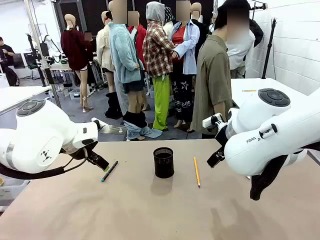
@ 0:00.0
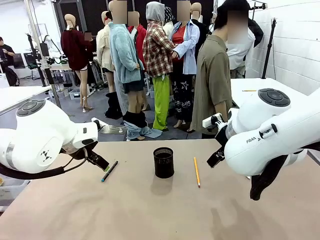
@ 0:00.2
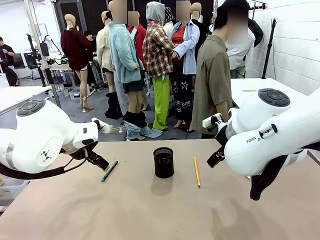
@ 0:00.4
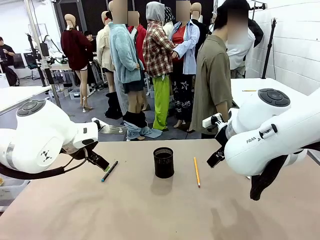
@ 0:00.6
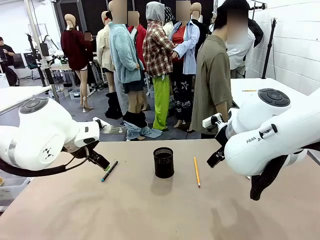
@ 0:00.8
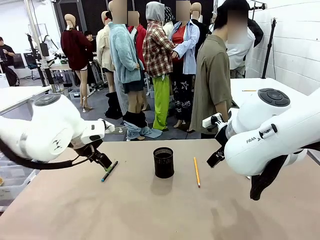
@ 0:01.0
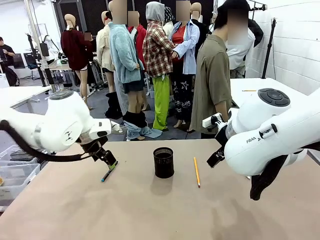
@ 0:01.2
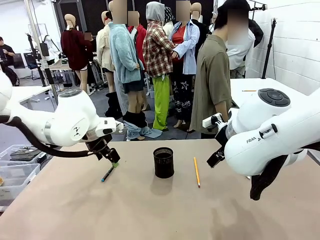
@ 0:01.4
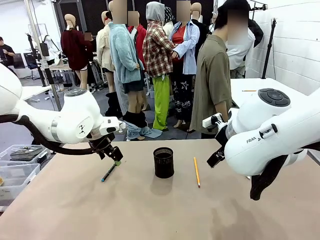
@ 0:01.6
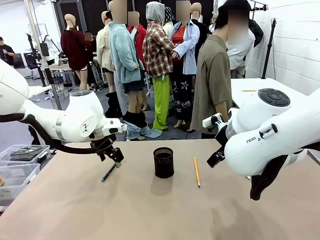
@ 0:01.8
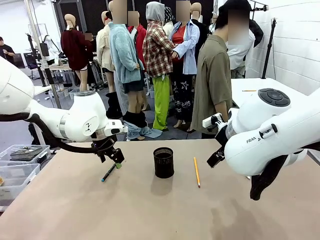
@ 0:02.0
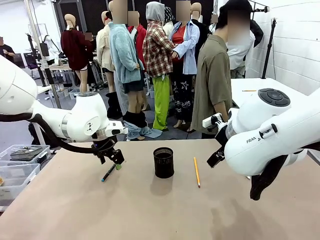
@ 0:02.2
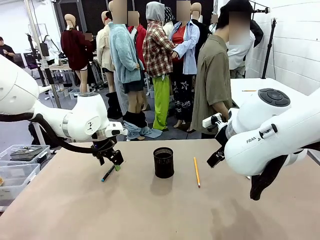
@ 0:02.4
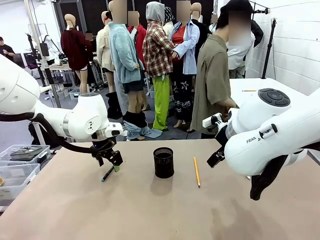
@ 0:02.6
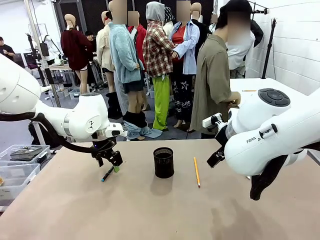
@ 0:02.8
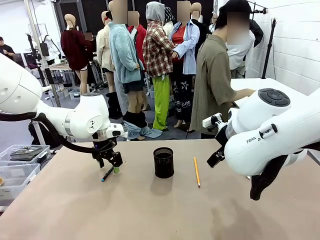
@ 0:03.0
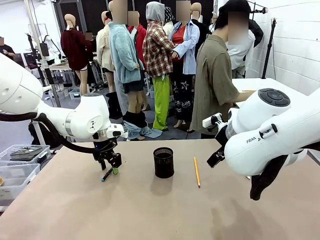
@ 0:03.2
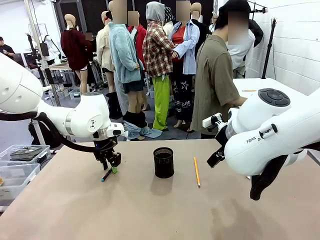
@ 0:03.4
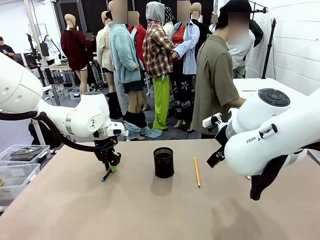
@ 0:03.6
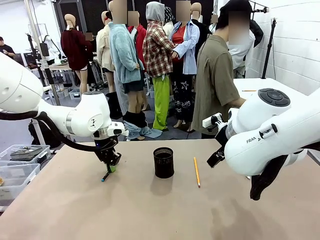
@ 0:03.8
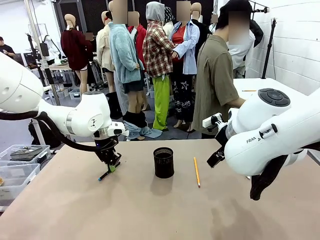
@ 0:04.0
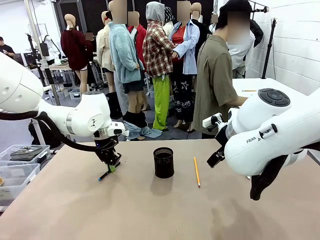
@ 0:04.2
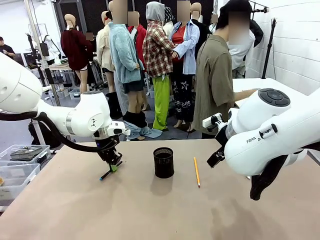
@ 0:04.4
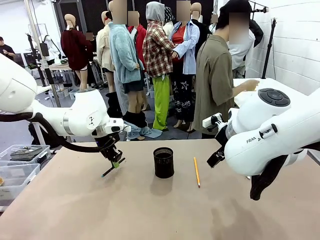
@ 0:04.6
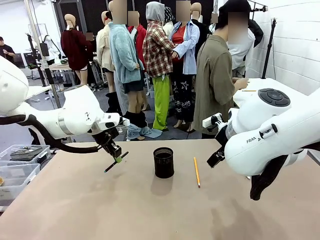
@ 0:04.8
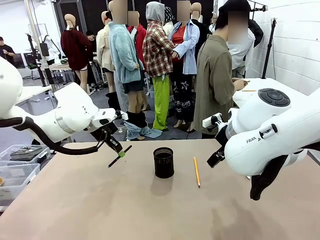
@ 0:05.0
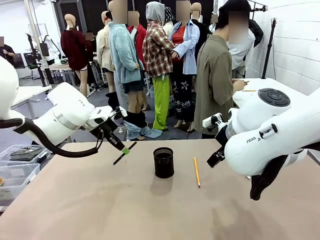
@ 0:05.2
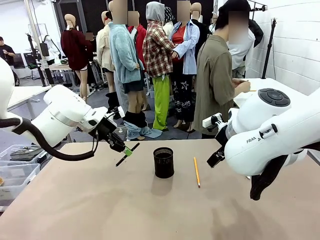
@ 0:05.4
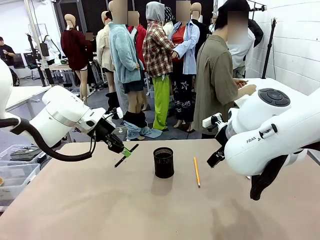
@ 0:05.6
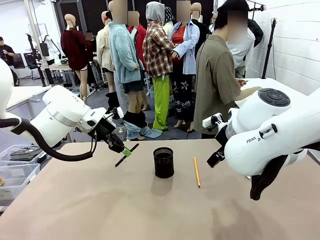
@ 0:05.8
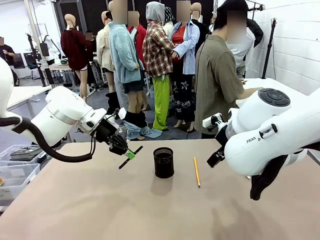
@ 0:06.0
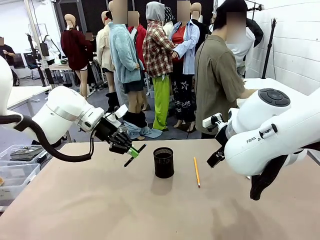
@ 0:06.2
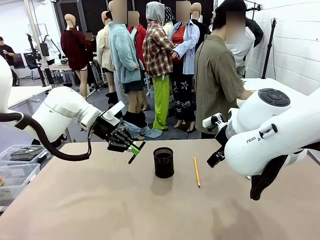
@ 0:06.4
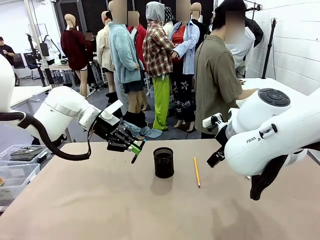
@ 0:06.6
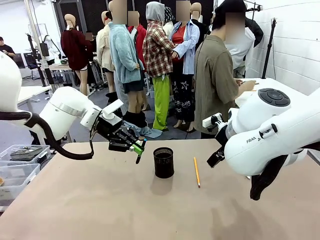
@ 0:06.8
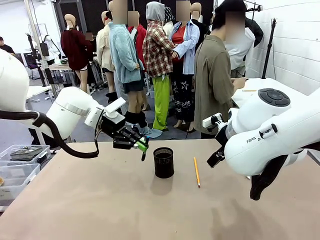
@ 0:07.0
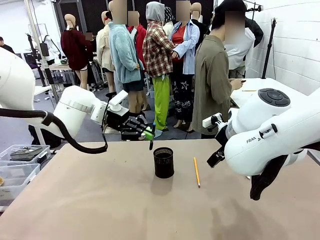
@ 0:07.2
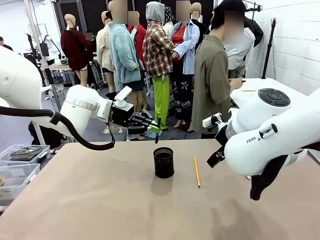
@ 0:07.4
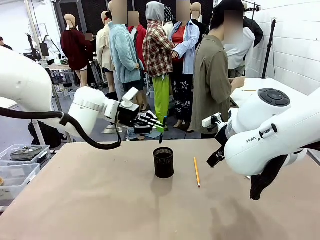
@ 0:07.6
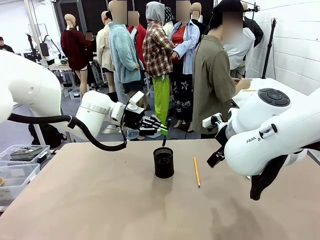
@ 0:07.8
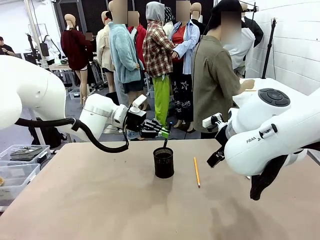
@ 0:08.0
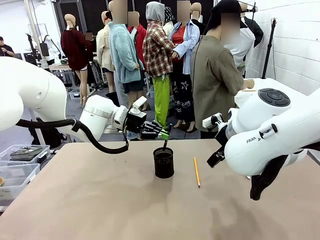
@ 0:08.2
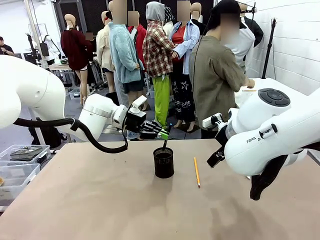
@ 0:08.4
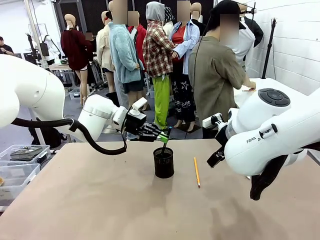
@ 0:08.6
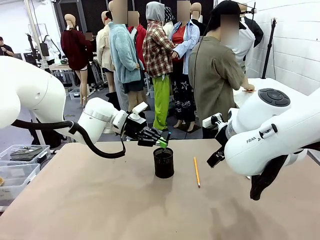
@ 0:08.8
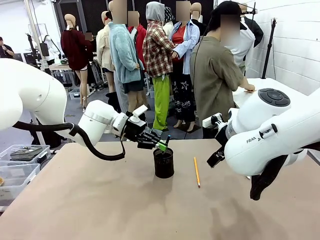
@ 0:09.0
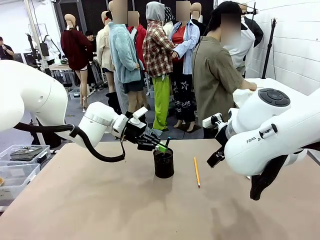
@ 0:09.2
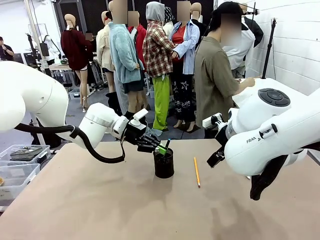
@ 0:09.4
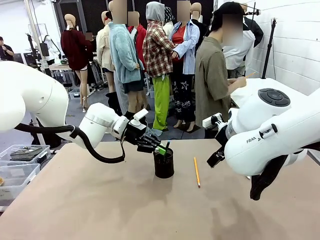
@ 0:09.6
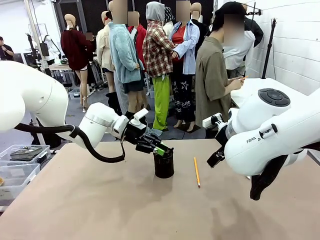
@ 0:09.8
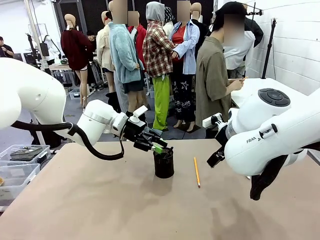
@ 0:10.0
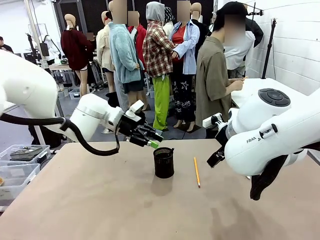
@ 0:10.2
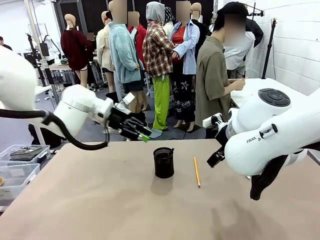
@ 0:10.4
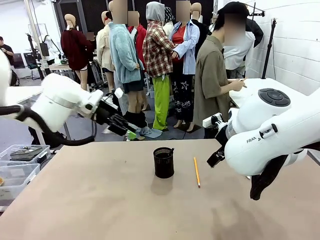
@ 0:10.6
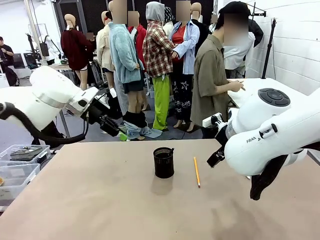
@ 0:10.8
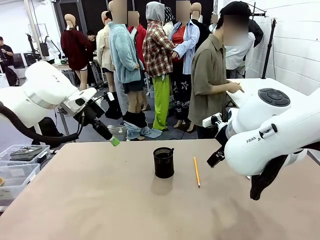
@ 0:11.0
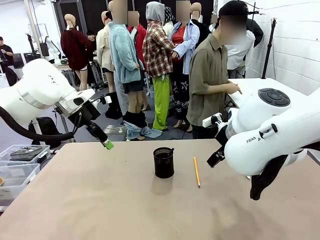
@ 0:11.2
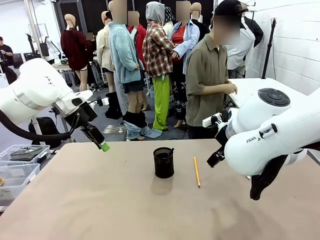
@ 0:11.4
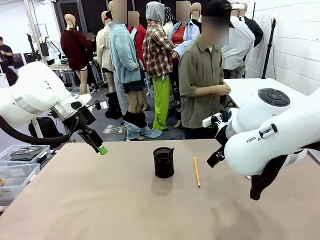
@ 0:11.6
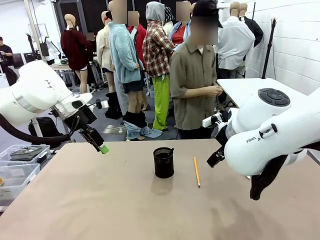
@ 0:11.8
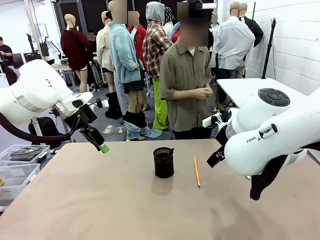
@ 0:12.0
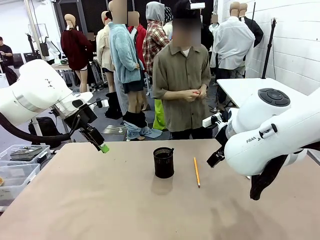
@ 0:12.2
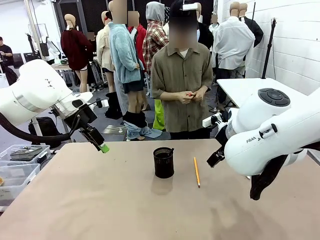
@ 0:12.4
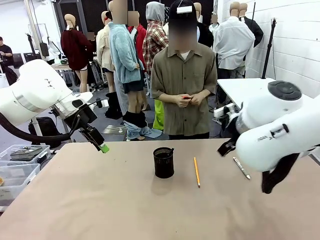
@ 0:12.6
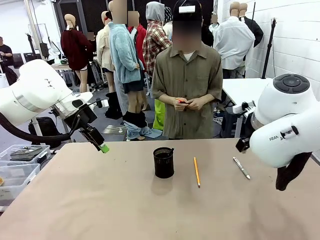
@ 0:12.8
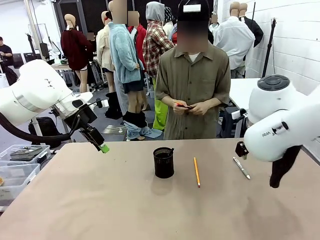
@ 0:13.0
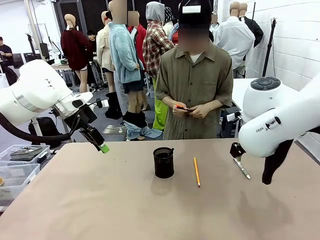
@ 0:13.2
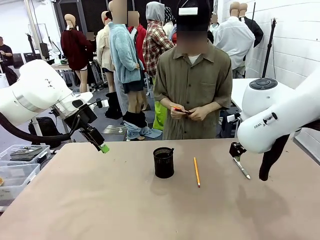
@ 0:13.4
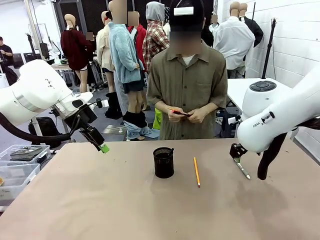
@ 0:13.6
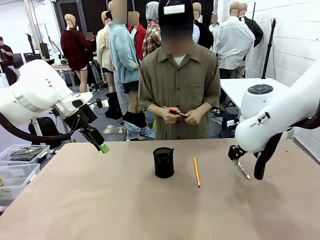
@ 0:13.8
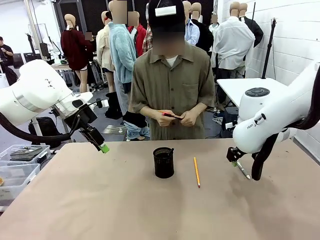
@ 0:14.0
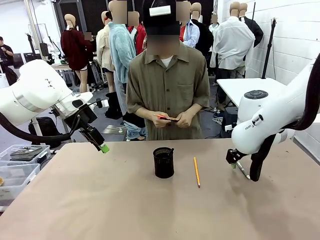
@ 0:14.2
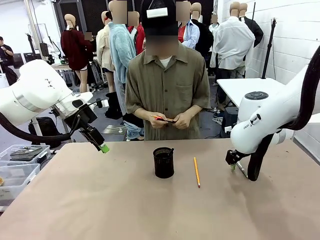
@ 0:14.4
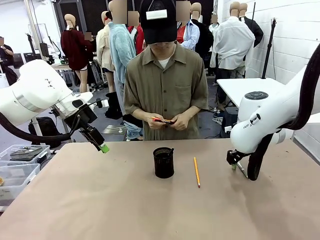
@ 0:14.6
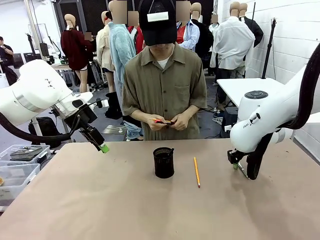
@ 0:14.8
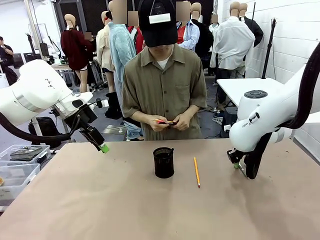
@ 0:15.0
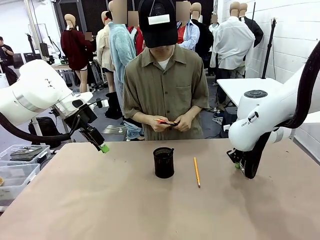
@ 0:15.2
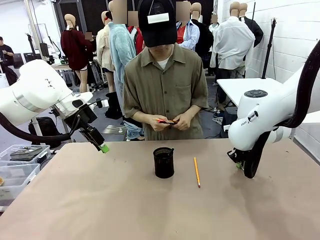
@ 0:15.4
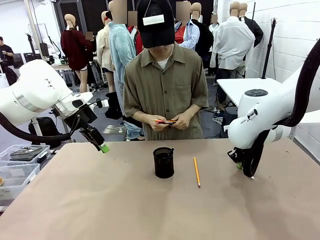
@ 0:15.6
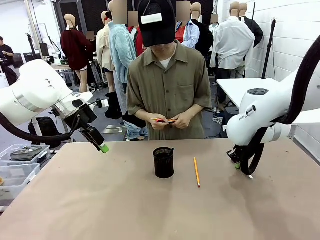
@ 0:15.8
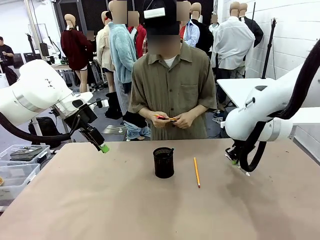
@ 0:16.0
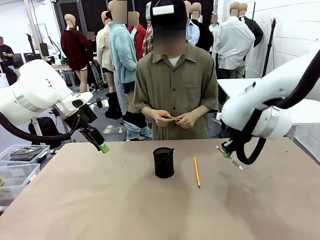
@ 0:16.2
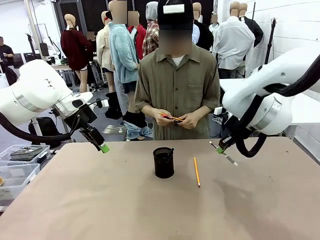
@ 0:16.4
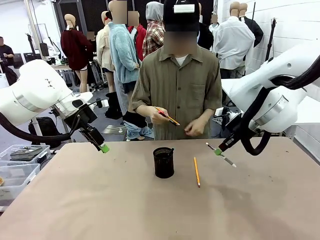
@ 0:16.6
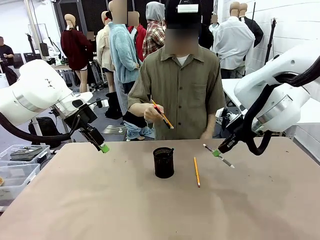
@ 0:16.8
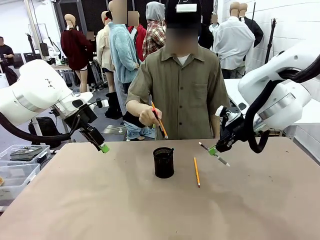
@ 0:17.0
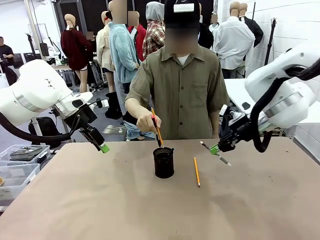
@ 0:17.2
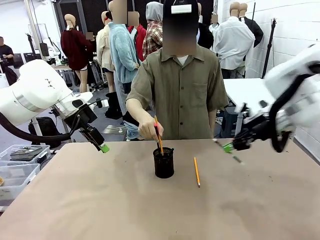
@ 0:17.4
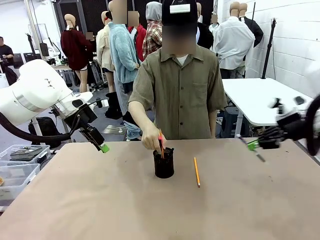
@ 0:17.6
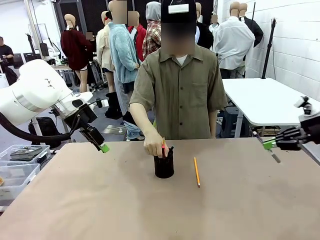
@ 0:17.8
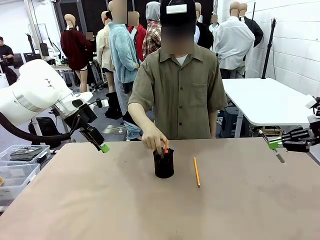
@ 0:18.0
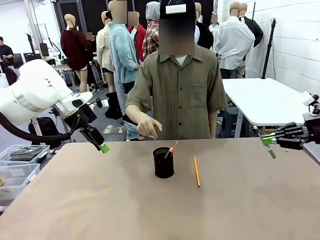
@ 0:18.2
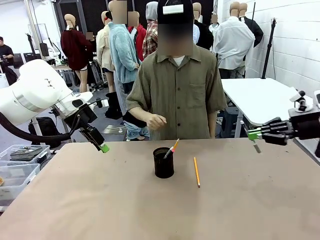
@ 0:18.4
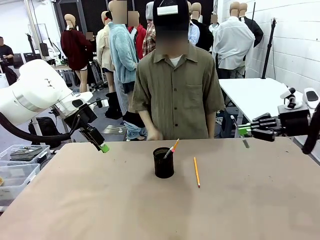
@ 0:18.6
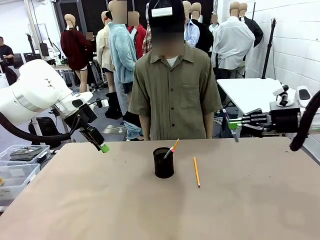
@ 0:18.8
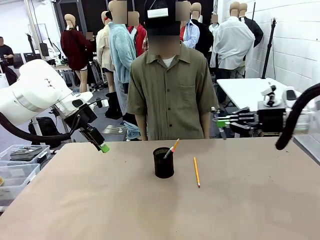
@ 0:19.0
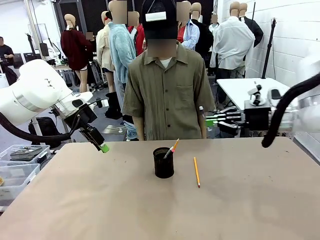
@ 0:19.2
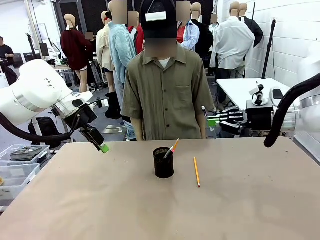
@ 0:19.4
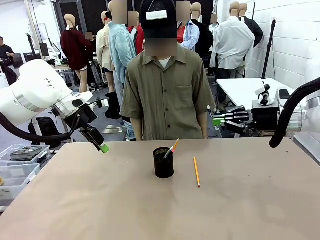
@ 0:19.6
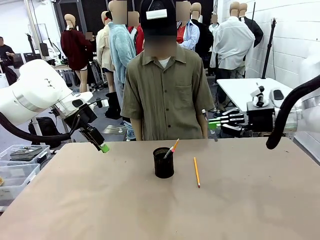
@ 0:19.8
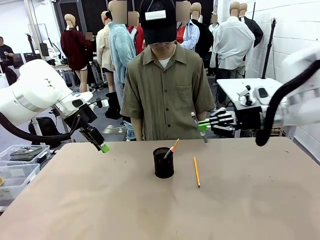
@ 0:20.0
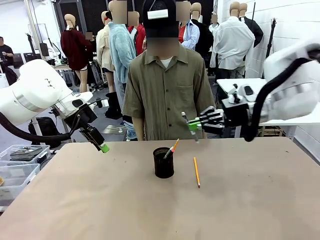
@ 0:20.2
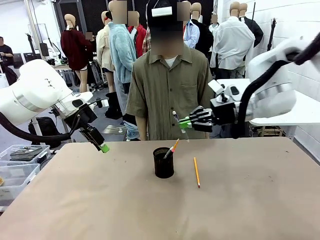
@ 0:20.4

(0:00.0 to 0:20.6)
Task: Place the pens into the pen holder.
Robot: Pick up a writing instrument from the table and place it into the Pen holder.
Person: Pick up all writing instruments from the Human table.
